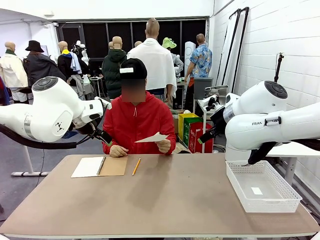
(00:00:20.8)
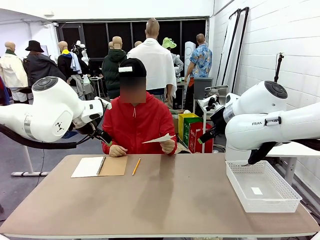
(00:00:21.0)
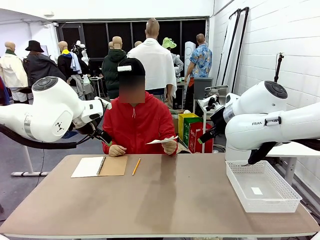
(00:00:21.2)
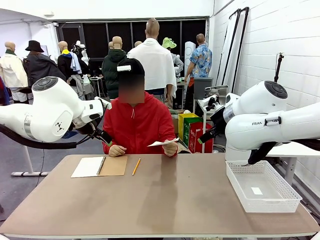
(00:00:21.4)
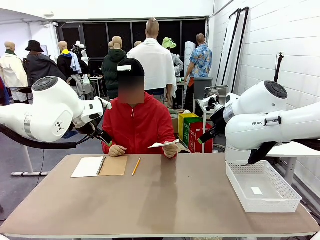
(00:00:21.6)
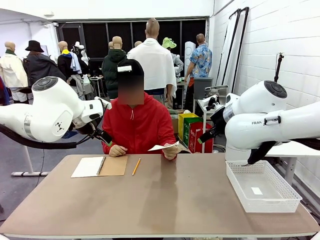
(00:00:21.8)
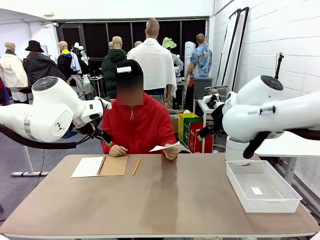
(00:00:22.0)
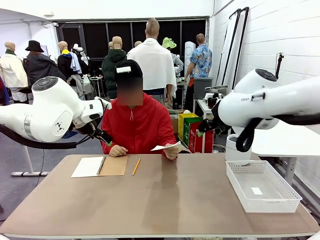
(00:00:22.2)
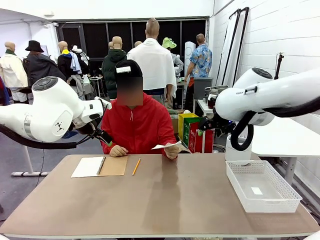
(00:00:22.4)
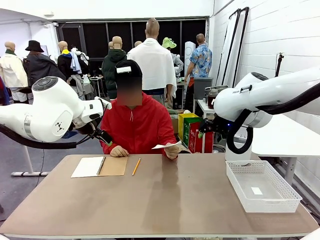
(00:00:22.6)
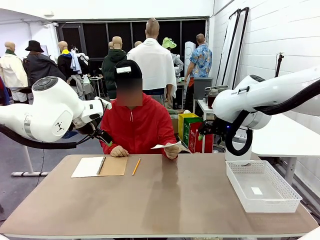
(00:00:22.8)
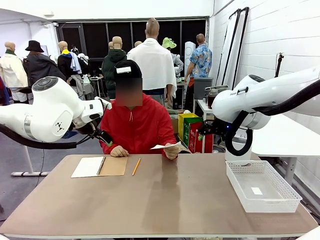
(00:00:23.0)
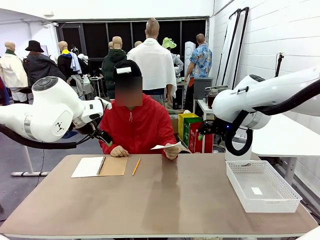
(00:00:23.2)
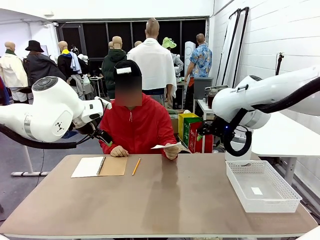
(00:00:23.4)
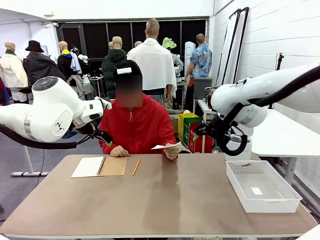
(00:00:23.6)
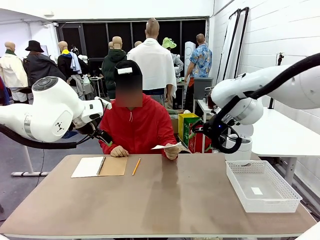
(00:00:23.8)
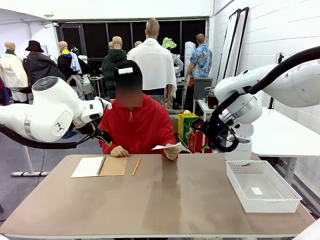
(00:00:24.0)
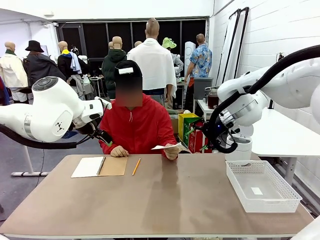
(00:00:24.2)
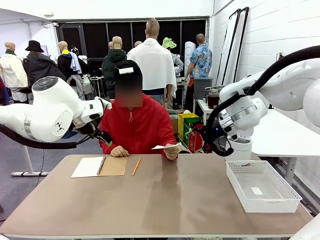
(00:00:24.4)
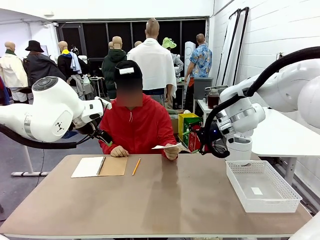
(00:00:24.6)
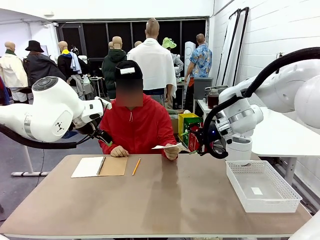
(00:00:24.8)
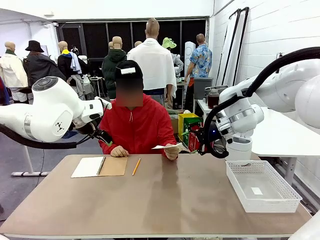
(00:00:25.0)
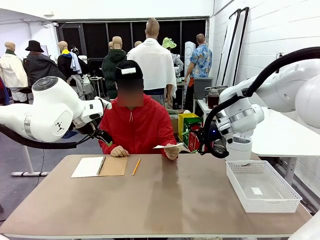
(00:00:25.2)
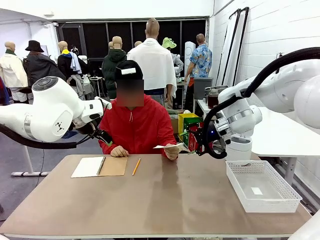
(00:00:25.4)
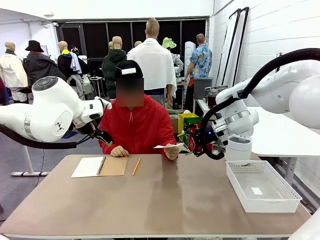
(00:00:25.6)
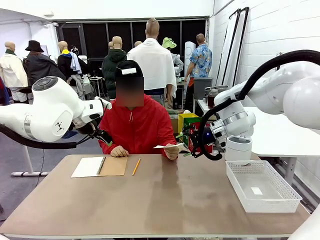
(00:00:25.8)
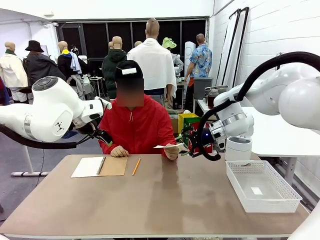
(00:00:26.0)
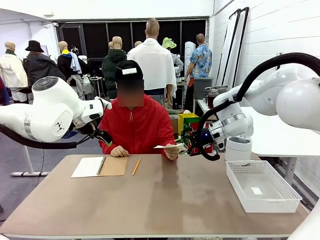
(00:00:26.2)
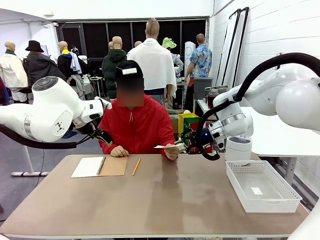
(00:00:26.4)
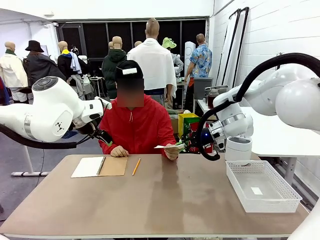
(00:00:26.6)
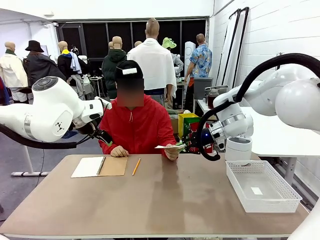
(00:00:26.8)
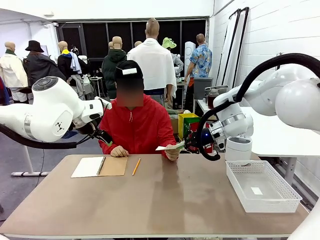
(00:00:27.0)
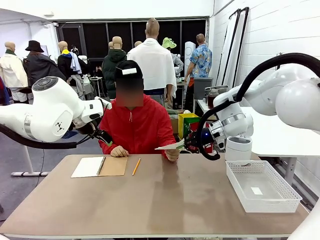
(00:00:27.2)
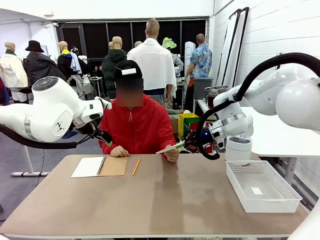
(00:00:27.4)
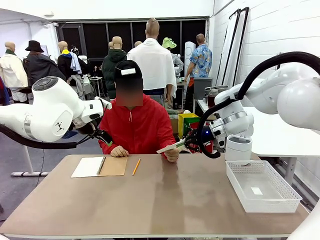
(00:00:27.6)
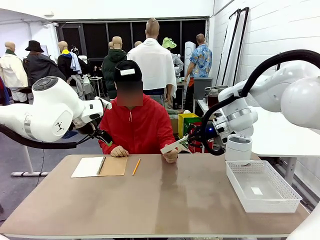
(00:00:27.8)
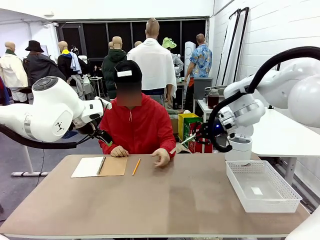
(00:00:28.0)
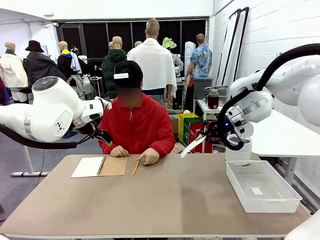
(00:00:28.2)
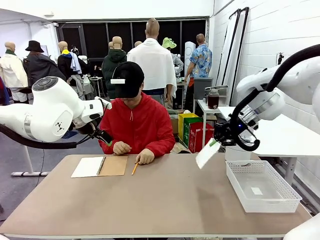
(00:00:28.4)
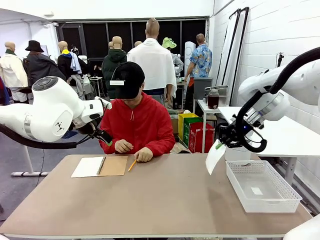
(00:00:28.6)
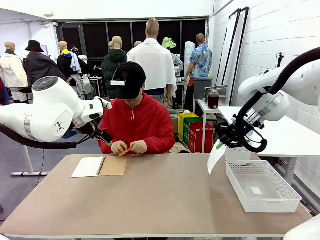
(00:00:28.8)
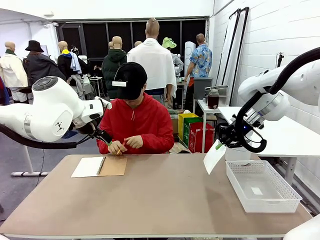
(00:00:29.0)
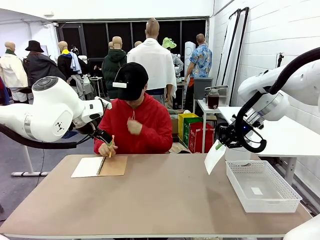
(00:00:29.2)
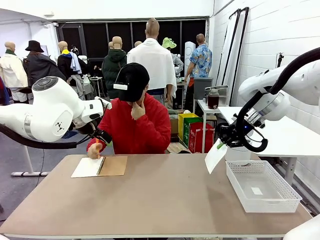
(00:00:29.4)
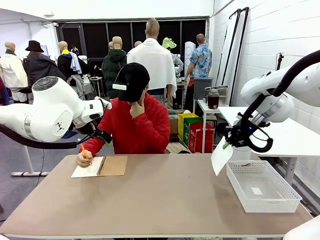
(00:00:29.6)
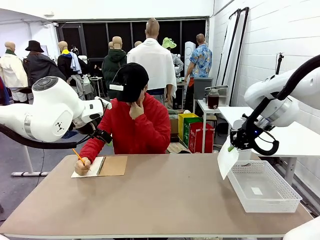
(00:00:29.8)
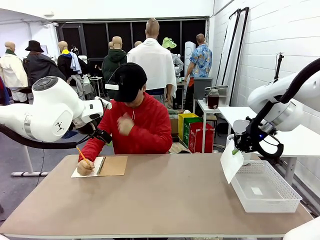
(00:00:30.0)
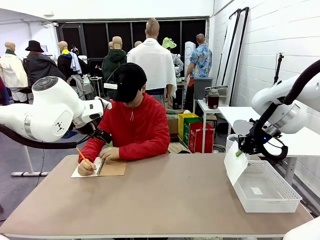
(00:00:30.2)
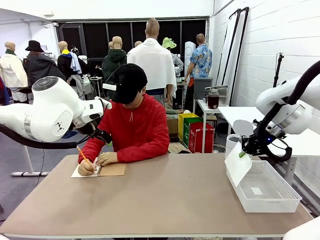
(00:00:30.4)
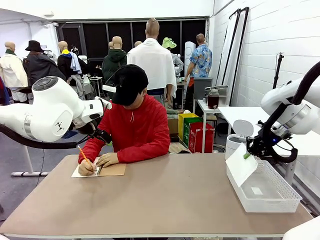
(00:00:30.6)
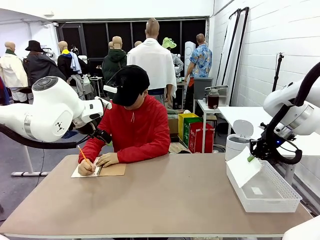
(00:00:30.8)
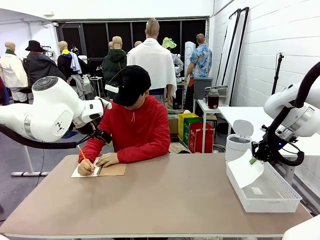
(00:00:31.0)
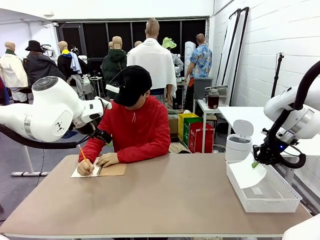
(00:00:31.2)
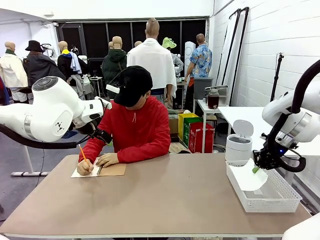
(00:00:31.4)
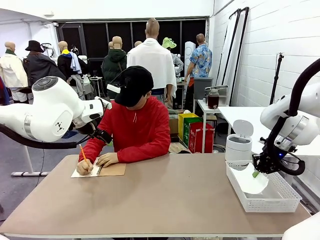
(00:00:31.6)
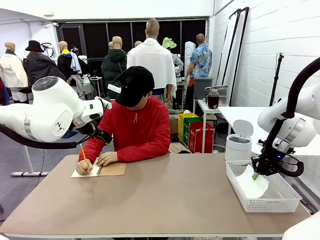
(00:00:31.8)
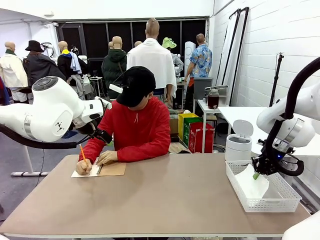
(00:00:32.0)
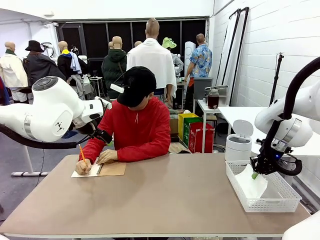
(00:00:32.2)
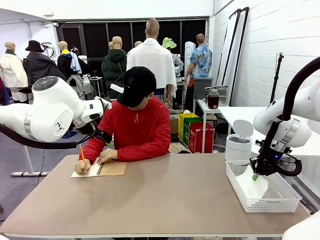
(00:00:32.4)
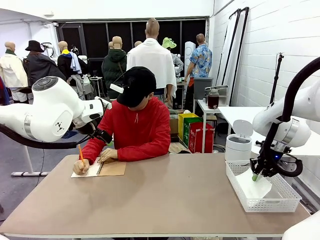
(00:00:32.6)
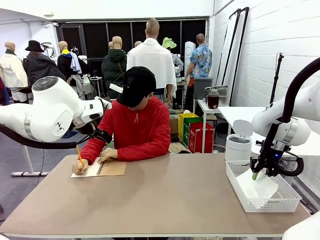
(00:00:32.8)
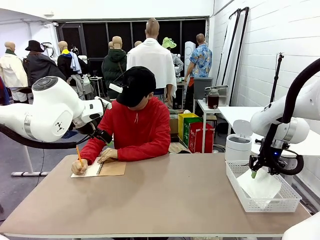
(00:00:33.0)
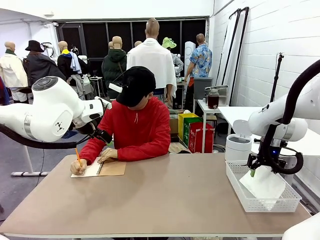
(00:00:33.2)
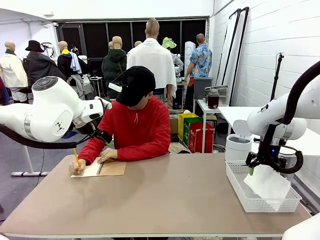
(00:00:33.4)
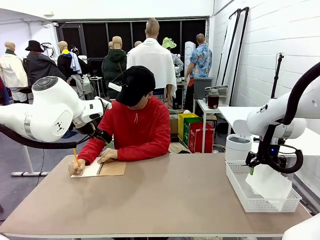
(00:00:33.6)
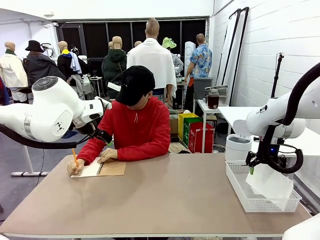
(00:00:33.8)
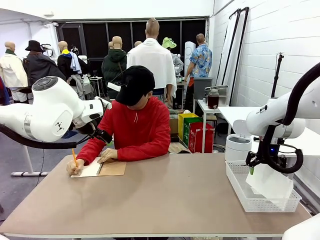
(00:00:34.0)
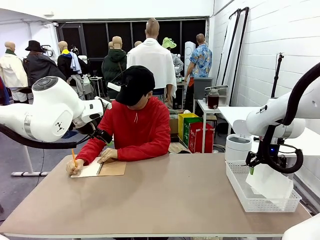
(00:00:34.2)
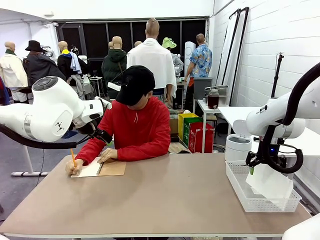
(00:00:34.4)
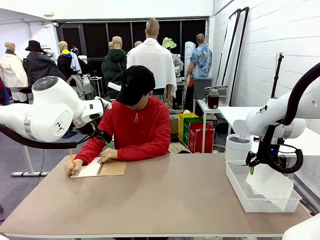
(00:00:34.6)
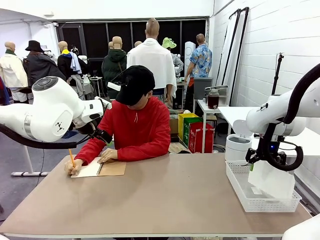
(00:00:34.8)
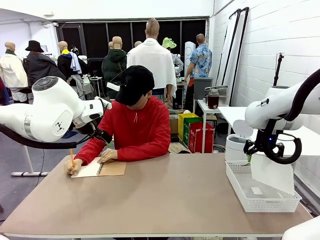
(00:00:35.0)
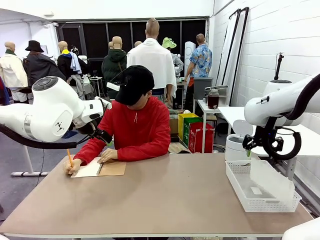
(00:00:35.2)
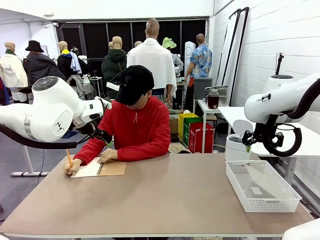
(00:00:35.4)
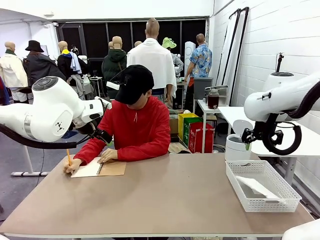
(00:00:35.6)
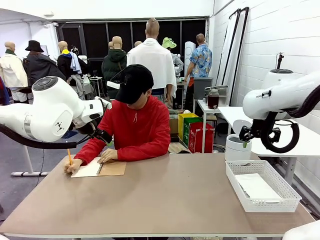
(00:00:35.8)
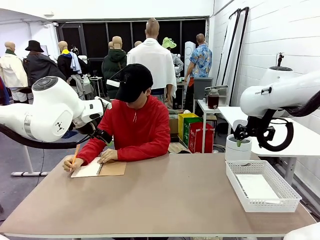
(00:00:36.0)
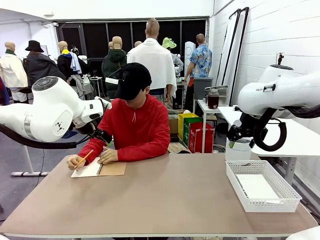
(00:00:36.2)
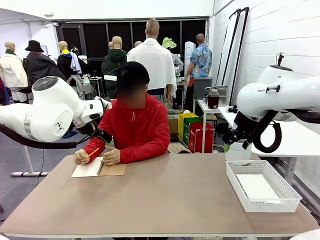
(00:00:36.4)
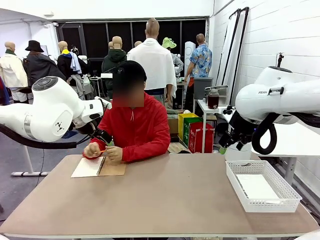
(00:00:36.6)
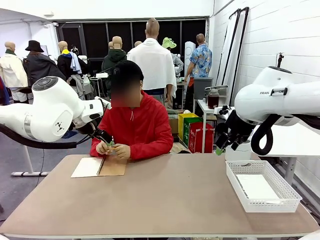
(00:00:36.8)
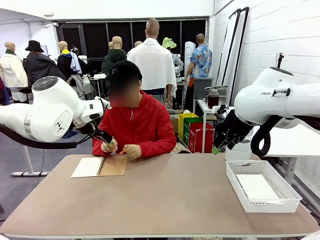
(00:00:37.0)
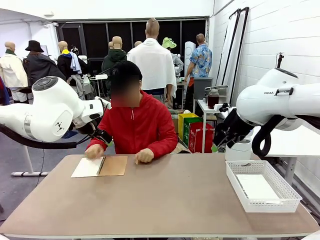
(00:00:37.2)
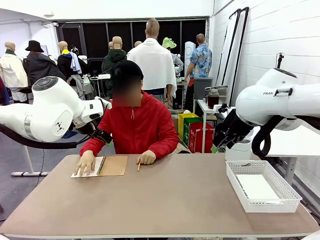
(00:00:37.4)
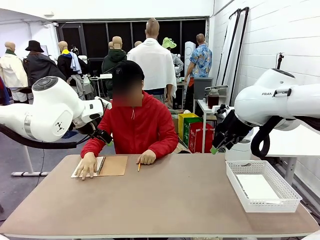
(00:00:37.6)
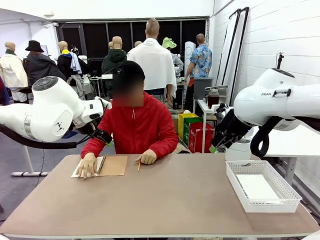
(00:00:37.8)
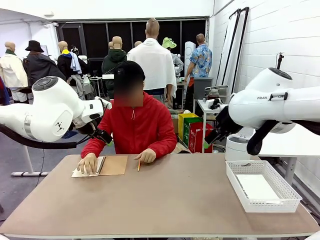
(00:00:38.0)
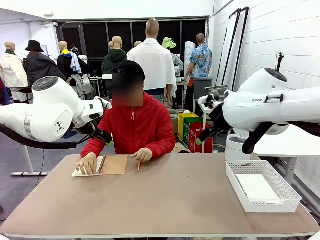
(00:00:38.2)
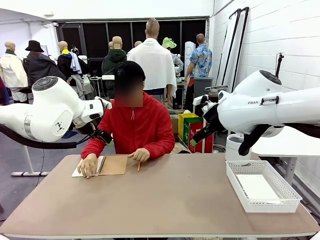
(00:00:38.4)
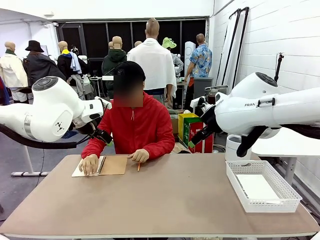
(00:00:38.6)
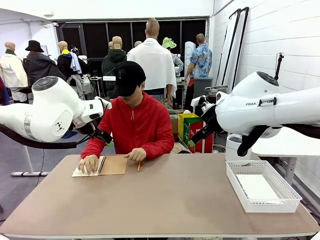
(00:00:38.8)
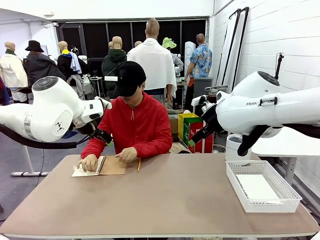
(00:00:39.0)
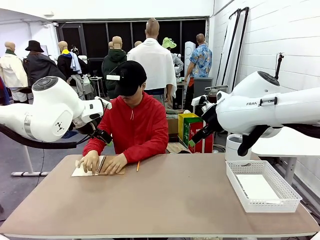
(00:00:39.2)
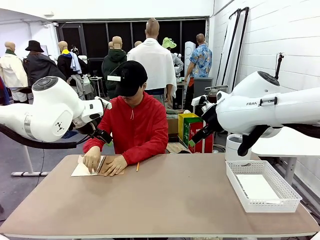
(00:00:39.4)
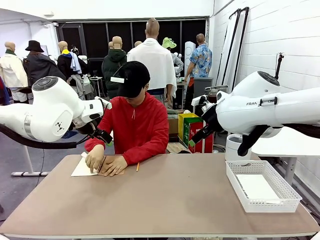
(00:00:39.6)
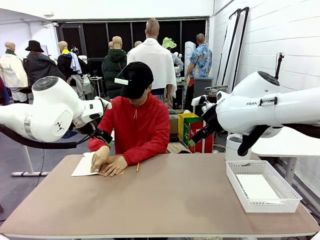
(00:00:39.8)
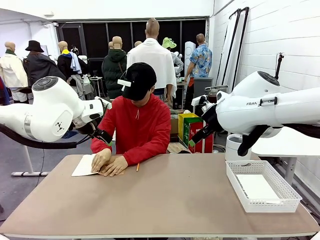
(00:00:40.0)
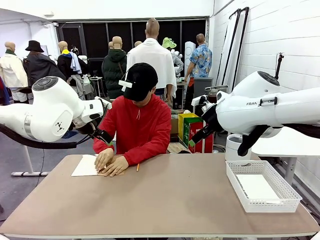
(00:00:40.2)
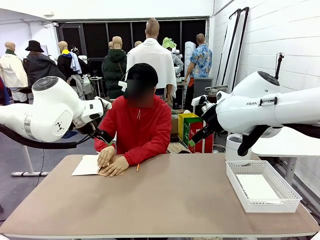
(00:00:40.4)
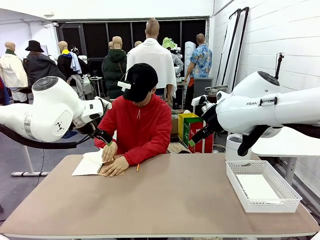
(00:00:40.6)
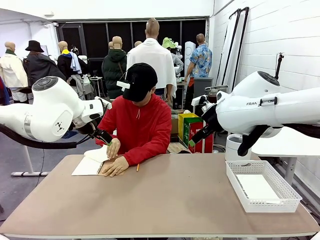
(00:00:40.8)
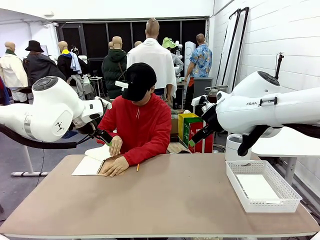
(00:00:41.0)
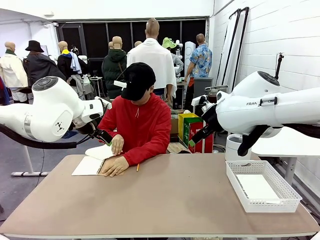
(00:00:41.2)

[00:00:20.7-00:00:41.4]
Task: Sort the paper based on its condition.
Robot: If a person hands you a paper, place it in the Organizing basket , and if it's crumpled, put it in the Trash can.
Person: Tear out a page from the spiral notebook.
